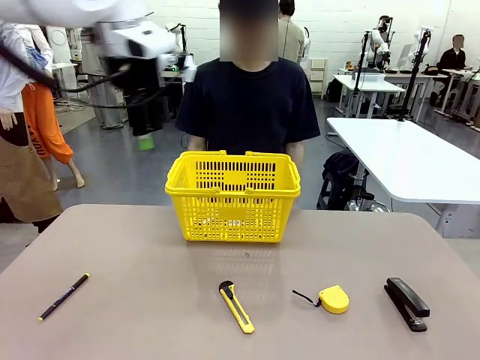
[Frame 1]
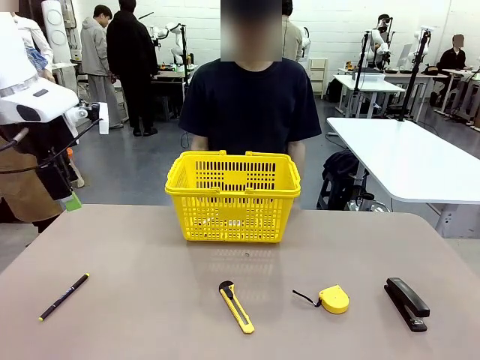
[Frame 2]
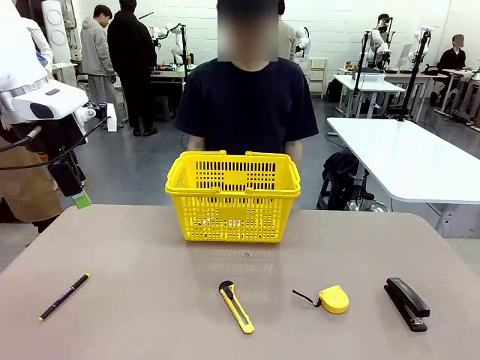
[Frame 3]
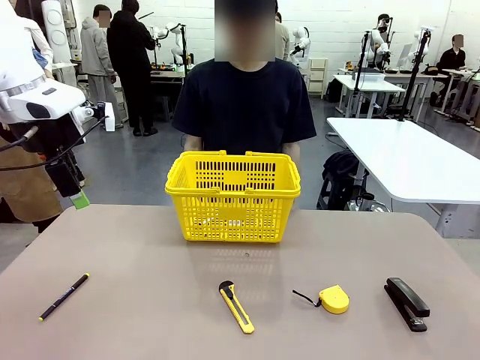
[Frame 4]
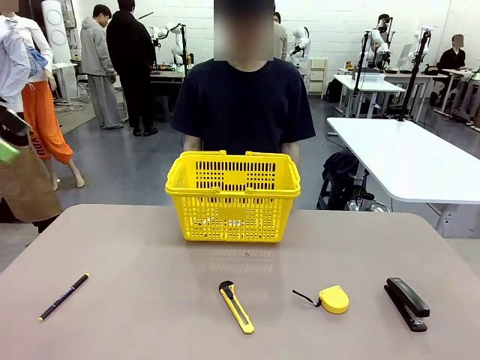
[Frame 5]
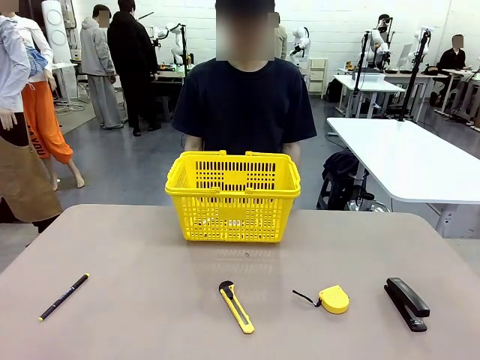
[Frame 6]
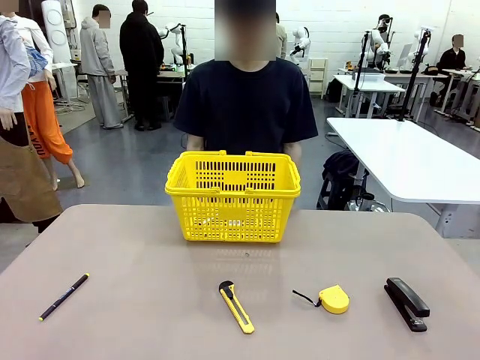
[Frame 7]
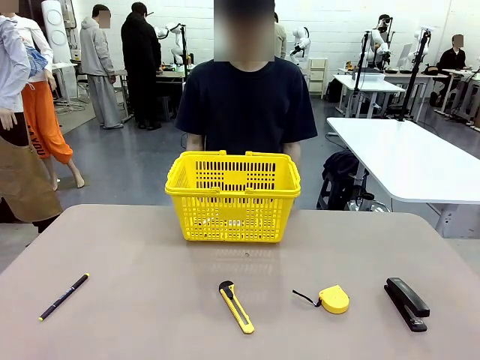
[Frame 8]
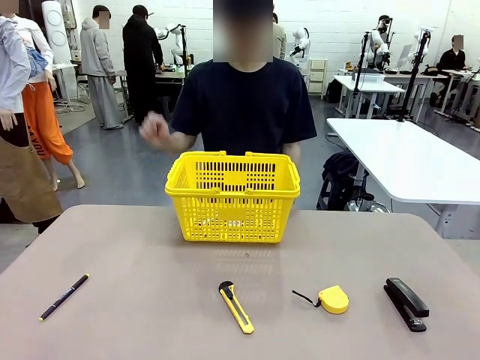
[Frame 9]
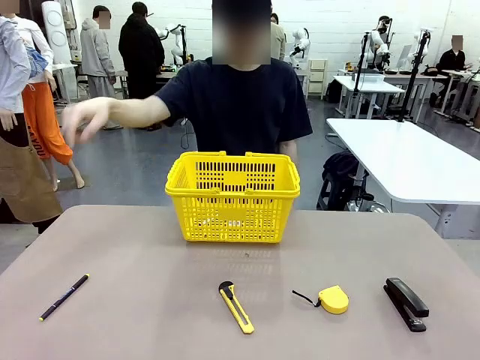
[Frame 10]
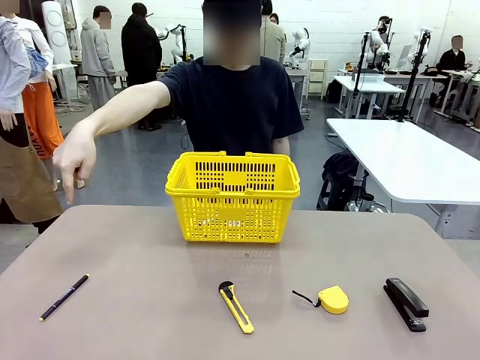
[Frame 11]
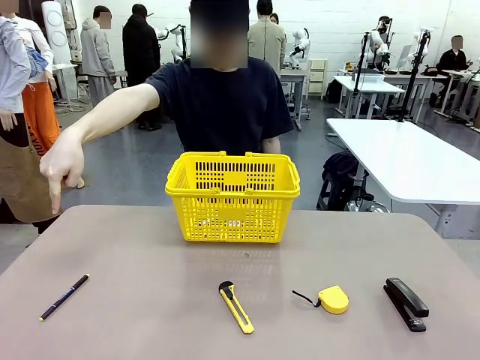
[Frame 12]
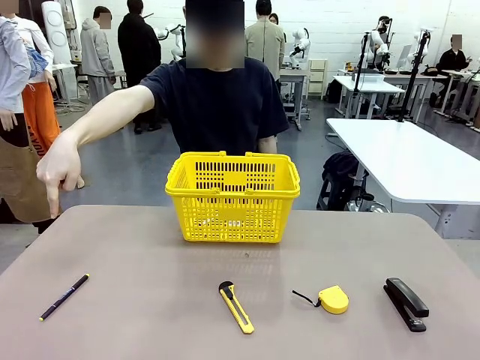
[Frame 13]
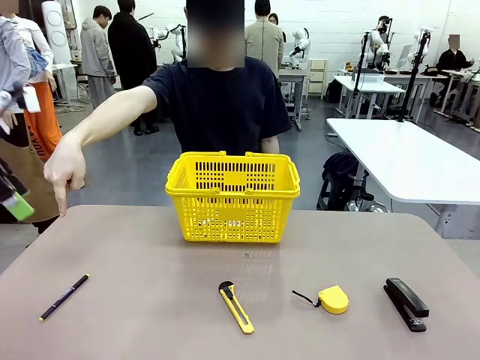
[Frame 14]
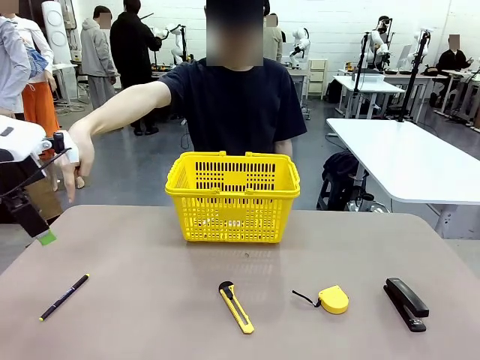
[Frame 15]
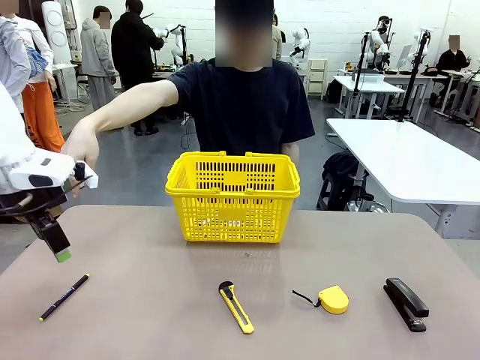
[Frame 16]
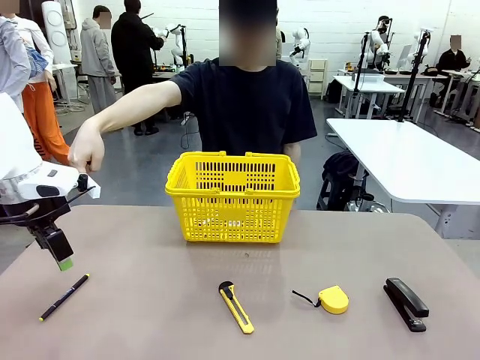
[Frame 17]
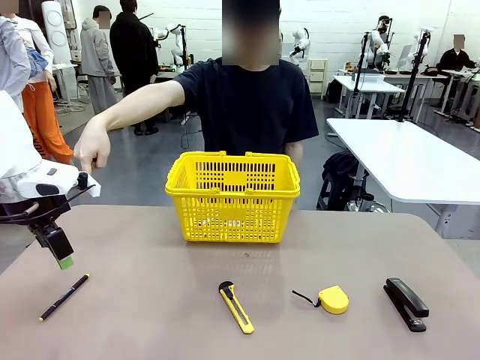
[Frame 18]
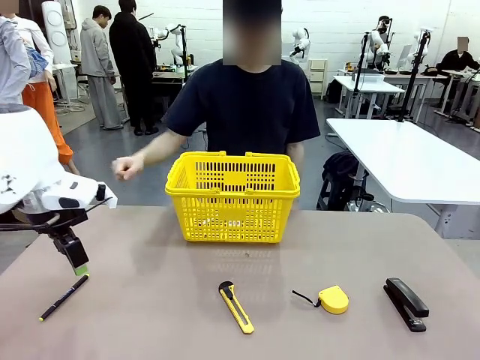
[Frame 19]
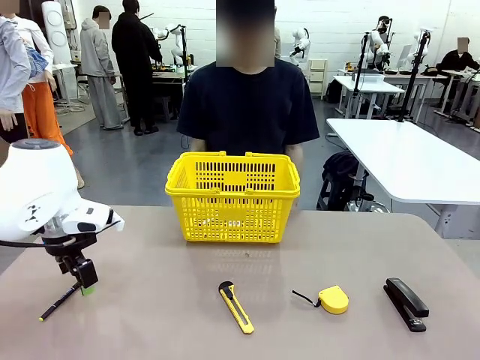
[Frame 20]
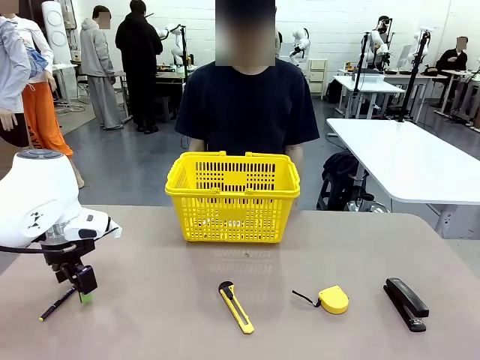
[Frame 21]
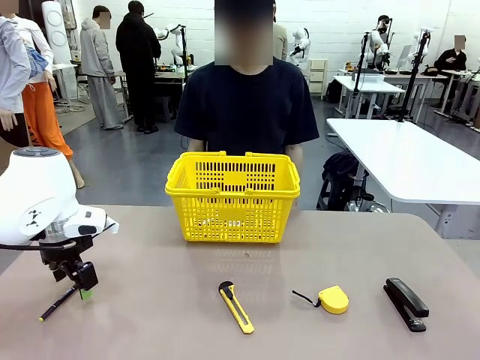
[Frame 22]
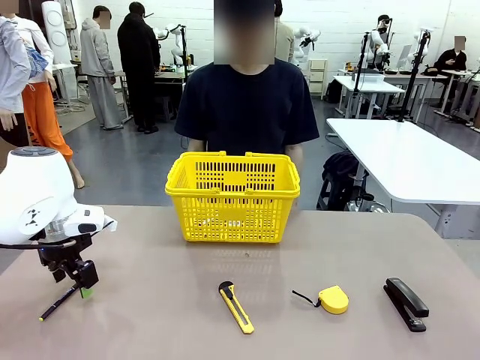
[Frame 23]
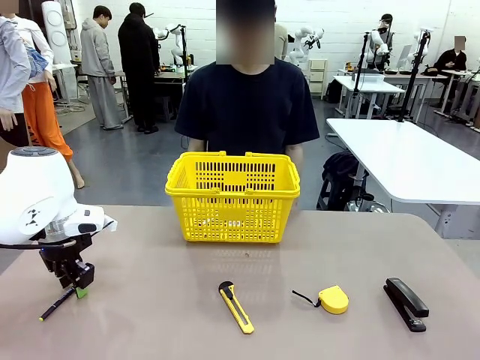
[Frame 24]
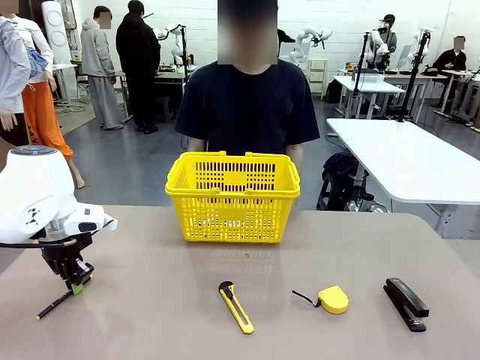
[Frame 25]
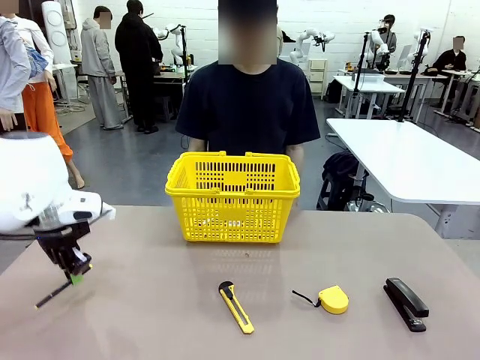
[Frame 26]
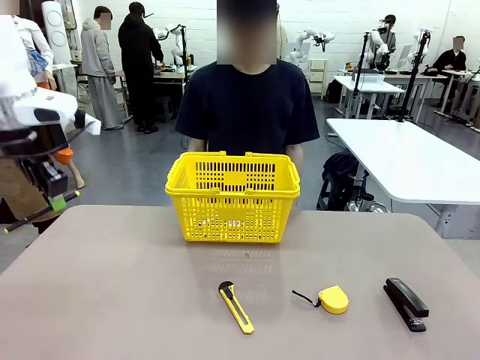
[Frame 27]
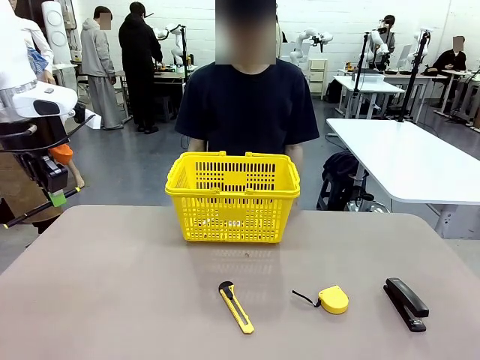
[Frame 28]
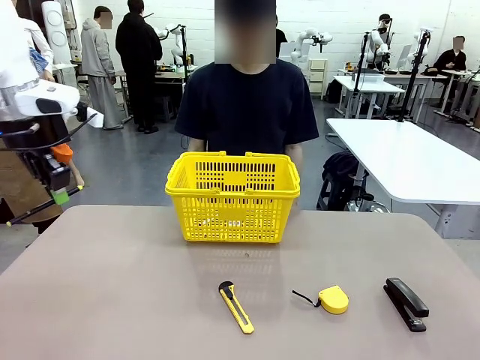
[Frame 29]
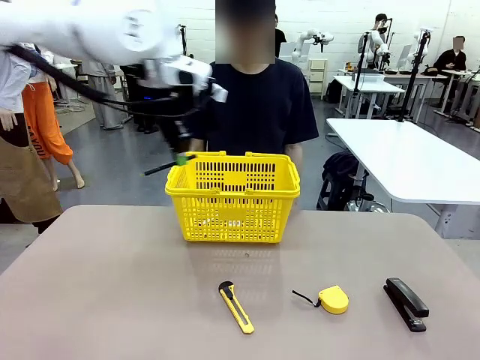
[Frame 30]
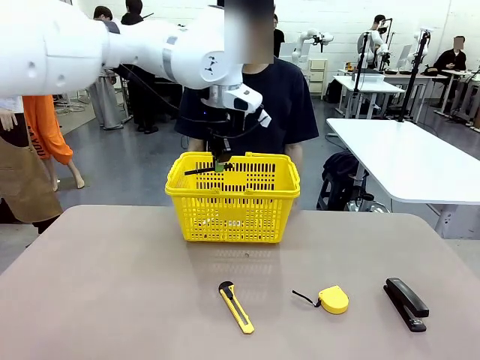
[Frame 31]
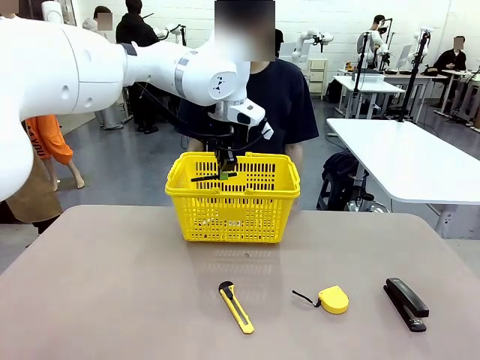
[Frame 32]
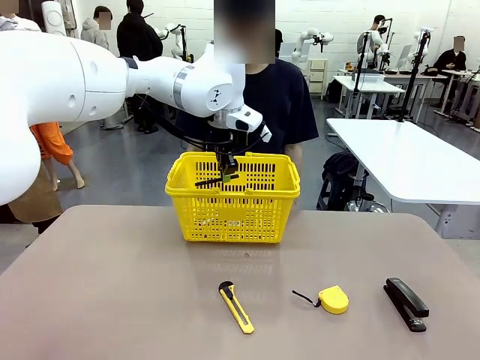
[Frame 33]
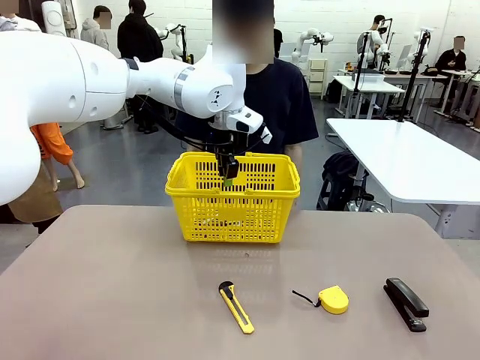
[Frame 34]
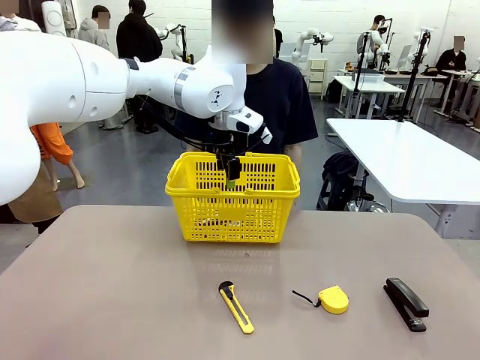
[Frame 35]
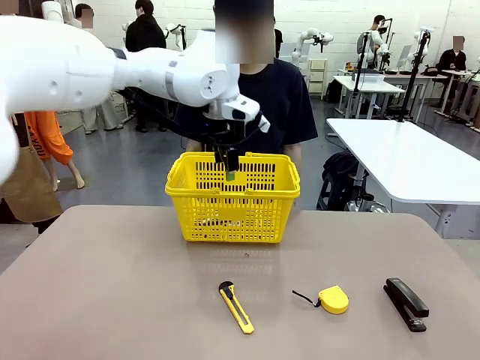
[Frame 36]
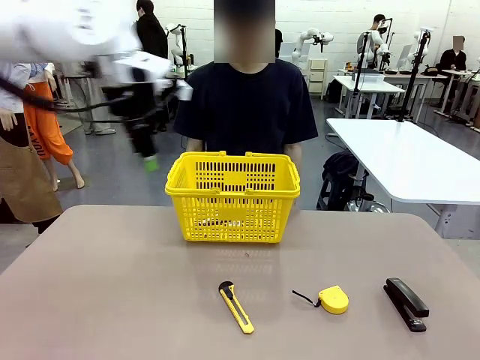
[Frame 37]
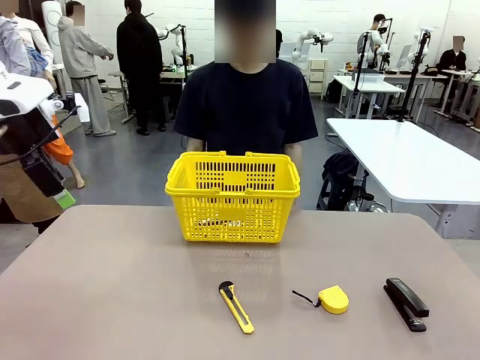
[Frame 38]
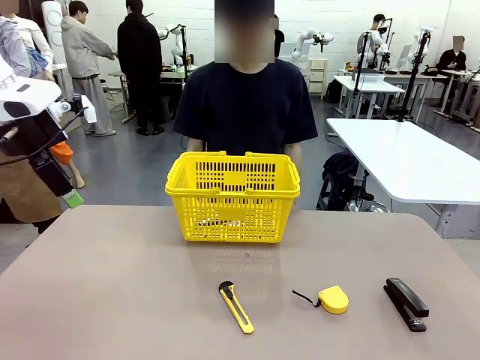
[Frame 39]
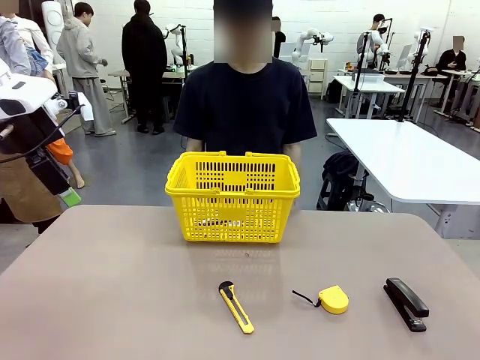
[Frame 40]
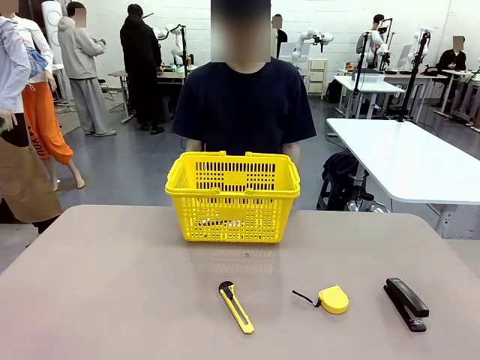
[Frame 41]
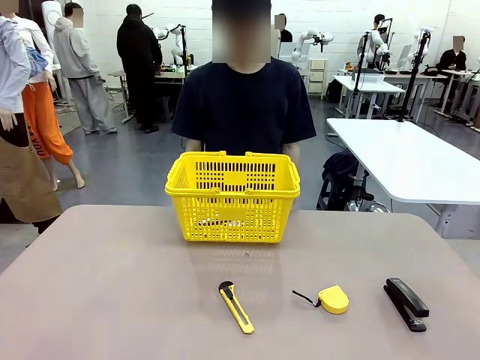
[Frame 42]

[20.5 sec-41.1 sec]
Task: Place the items the person wants into the basket.
Robot: Pick up the item the person points to and place it in the Market Basket.

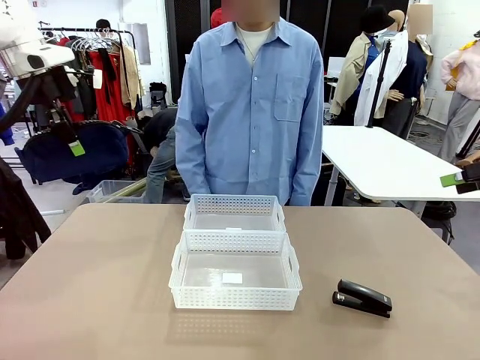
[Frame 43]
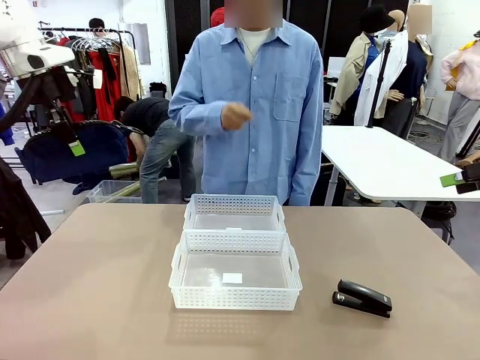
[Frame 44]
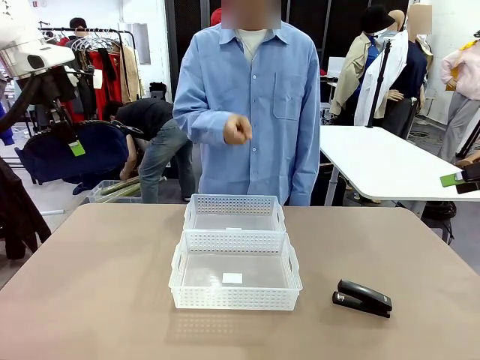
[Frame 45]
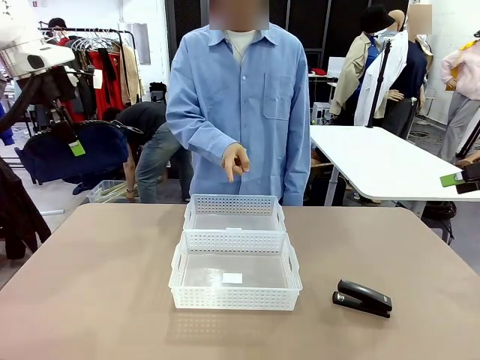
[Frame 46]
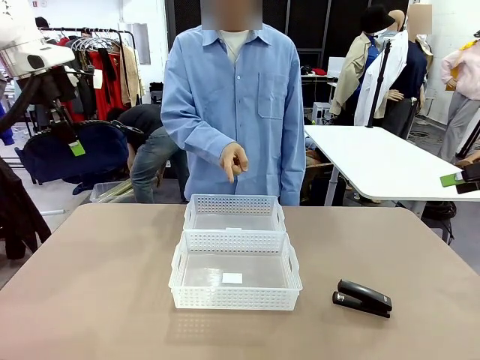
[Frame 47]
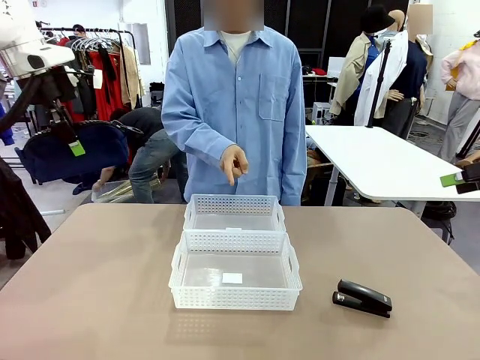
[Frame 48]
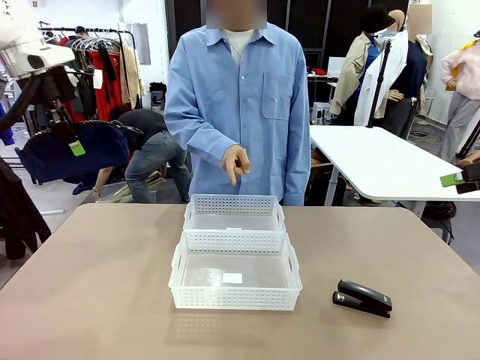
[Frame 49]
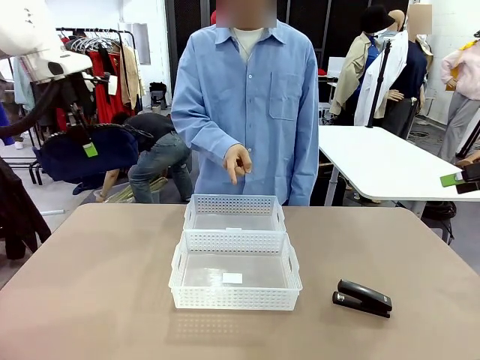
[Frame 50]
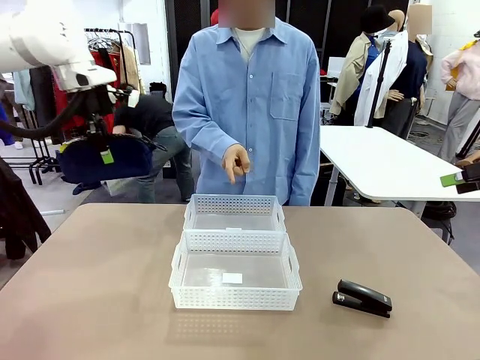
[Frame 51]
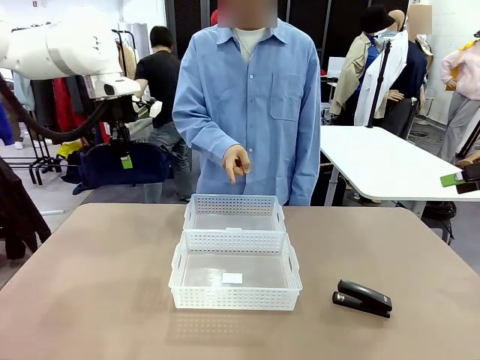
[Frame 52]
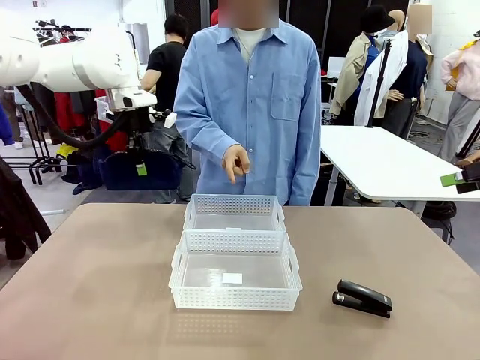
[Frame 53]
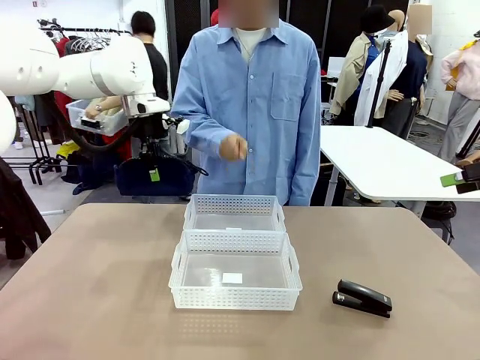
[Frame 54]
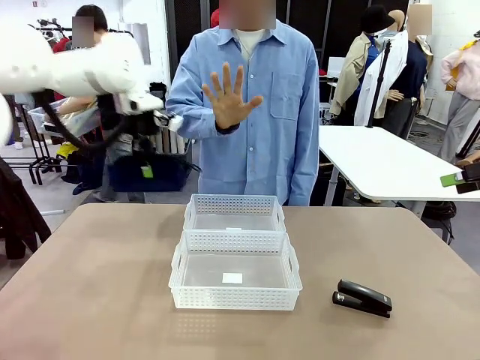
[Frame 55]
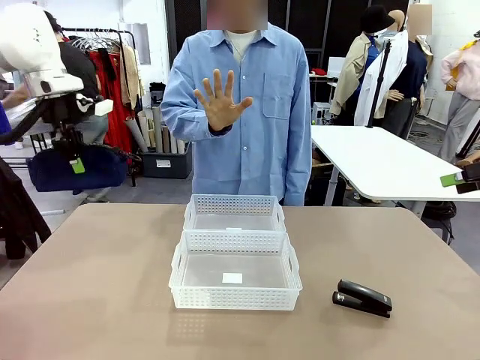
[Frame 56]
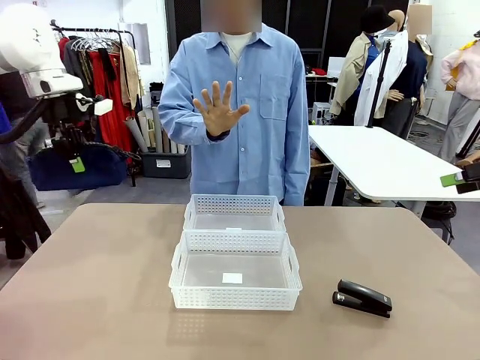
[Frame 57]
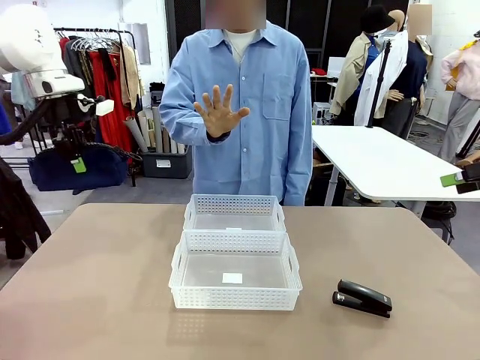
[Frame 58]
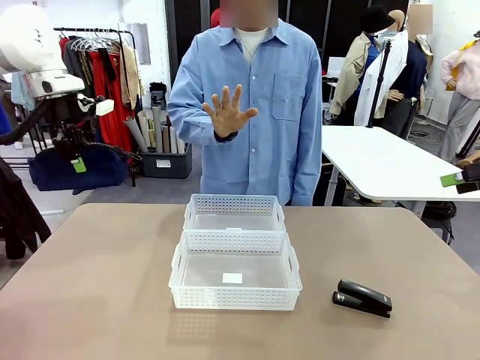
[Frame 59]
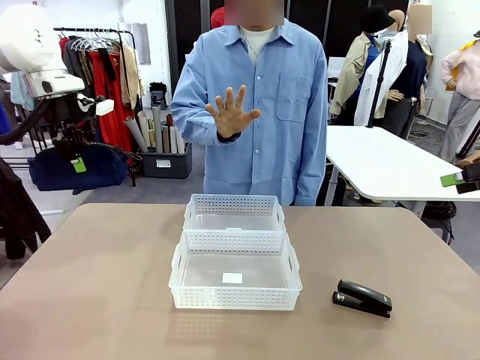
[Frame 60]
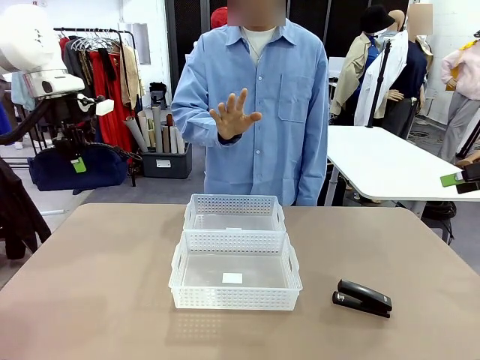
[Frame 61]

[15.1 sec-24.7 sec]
Task: Distribute items into two baskets.
Robot: Move the picked Pencil pouch towards the Organizing basket indicated by the person, stopping as directed.
Person: Sends a stop gesture before the robot places the pencil case into the basket.
